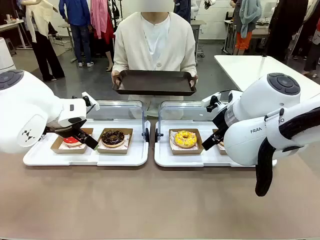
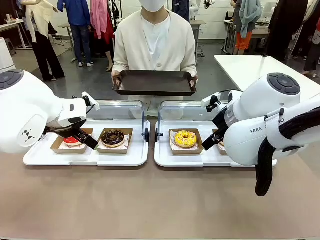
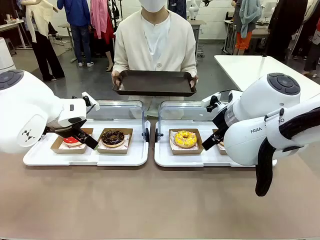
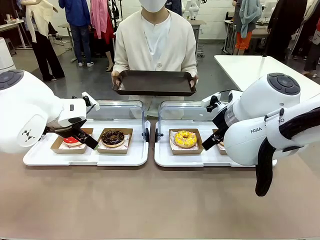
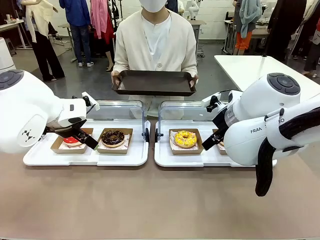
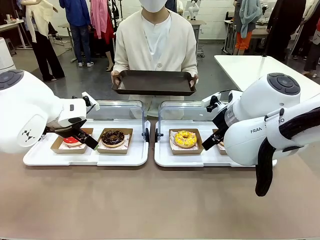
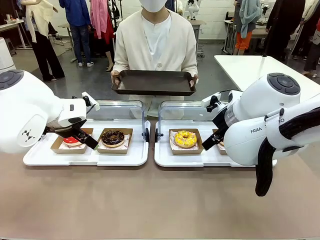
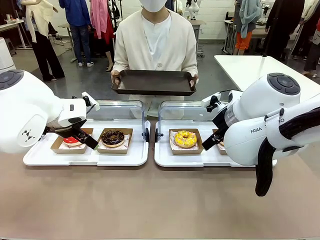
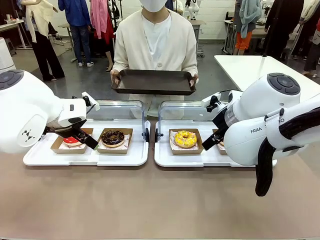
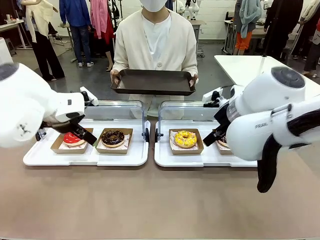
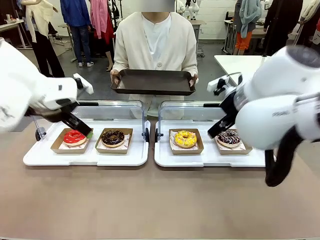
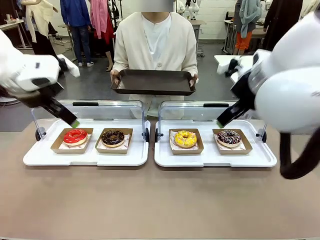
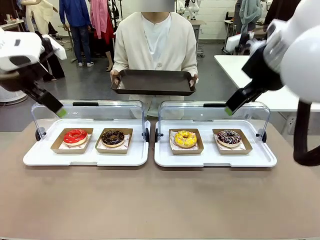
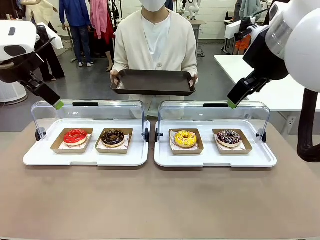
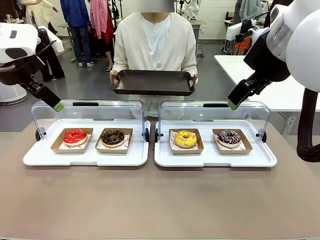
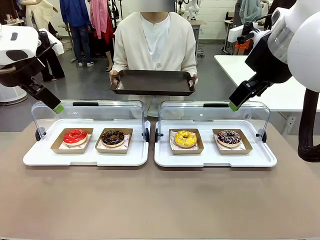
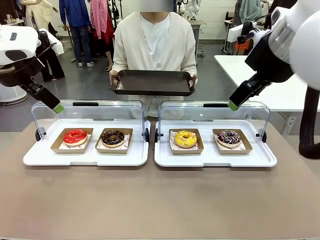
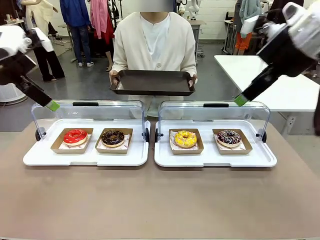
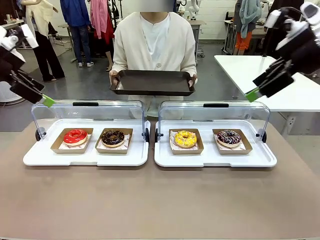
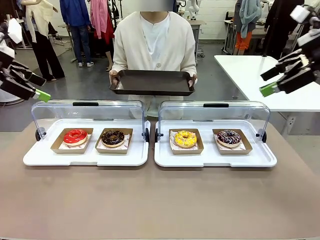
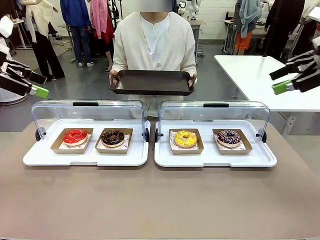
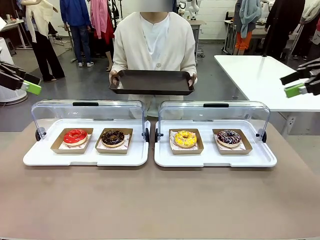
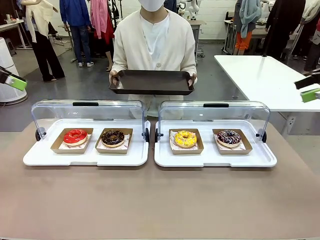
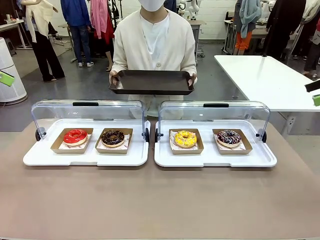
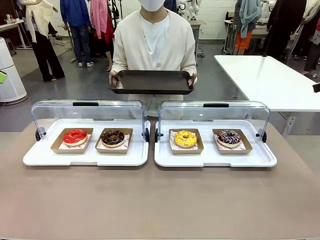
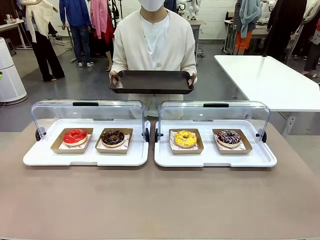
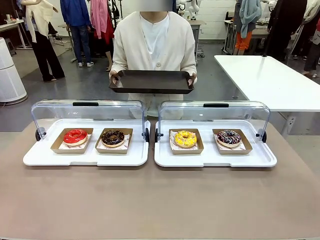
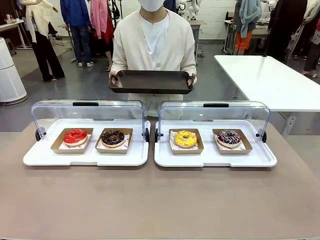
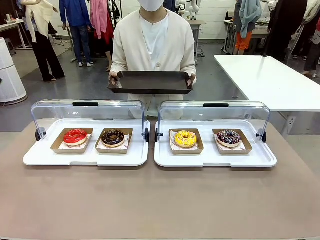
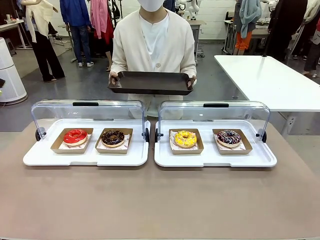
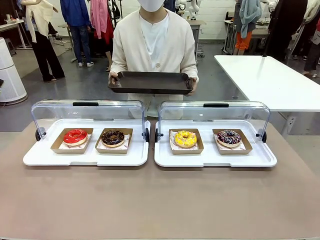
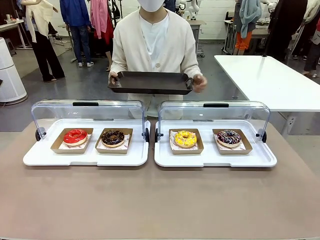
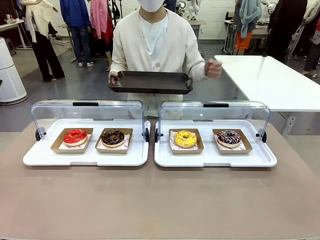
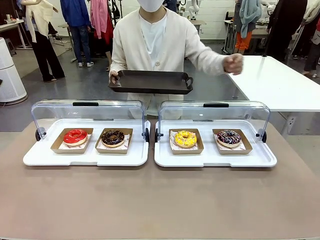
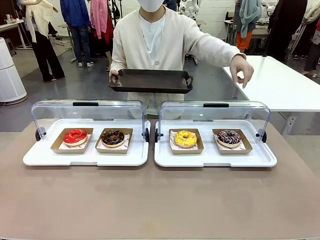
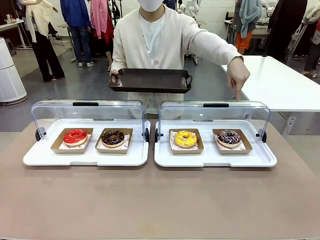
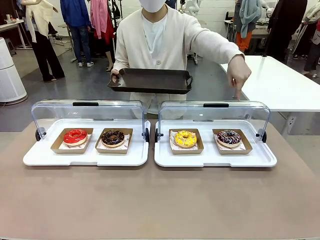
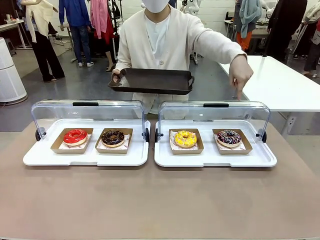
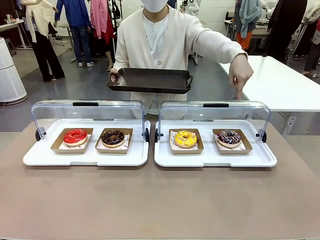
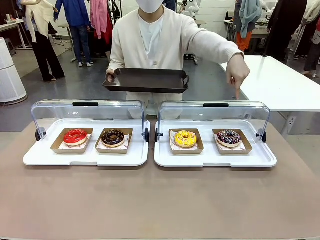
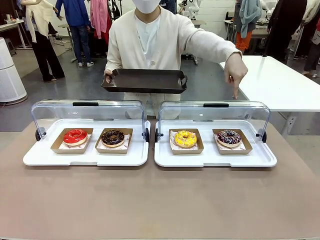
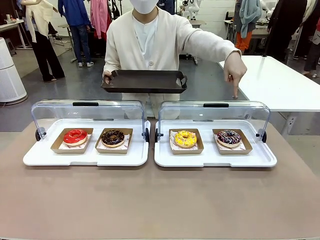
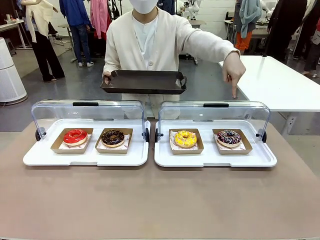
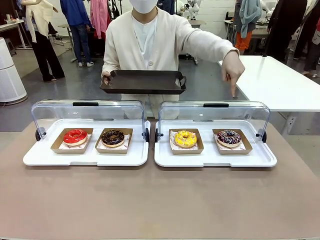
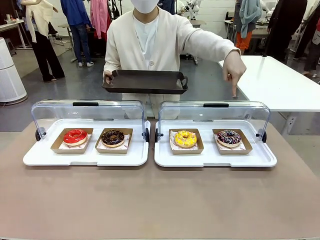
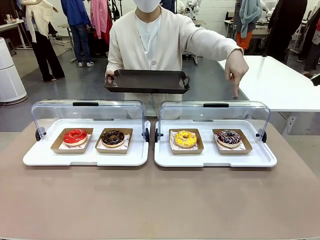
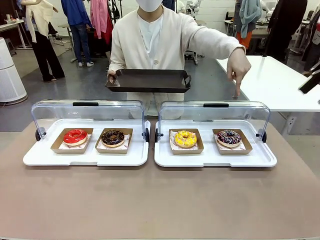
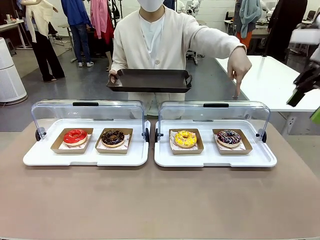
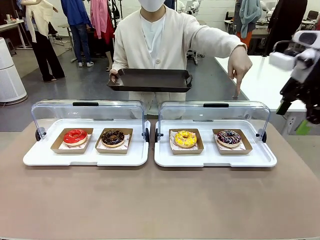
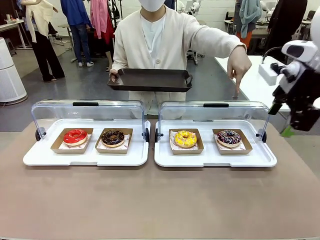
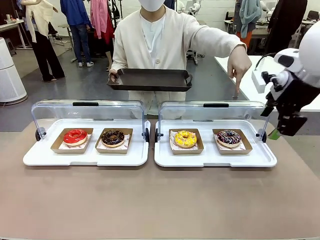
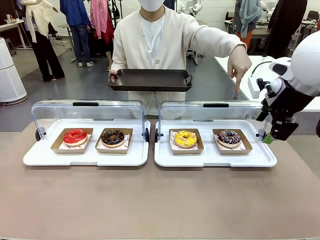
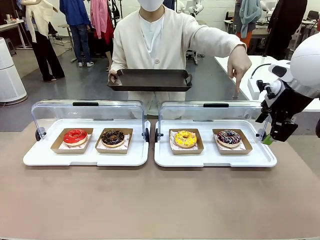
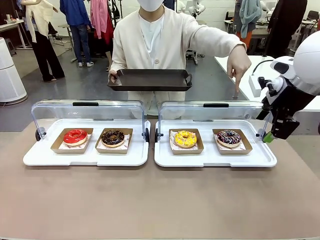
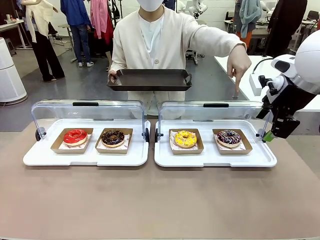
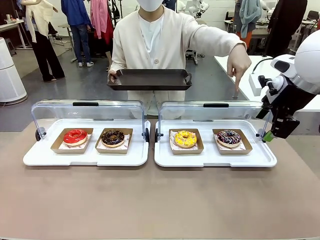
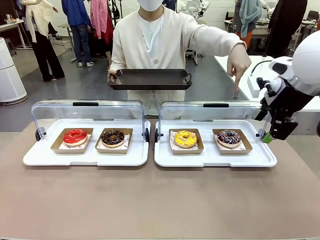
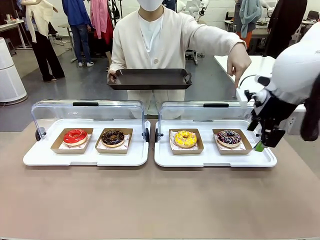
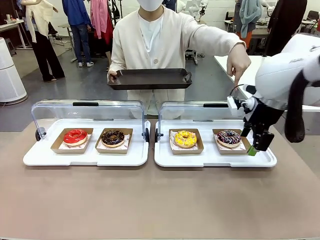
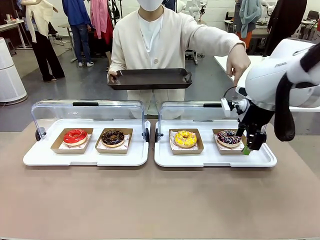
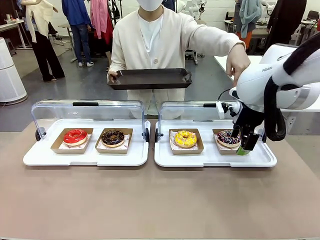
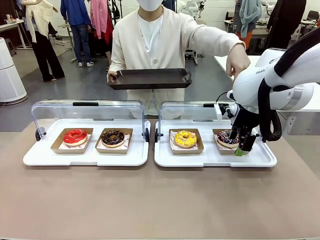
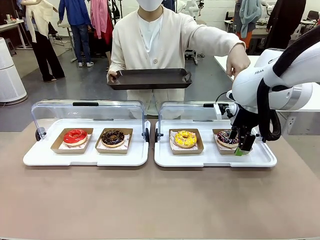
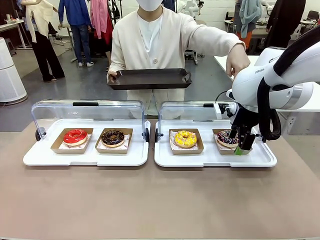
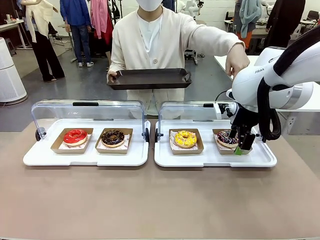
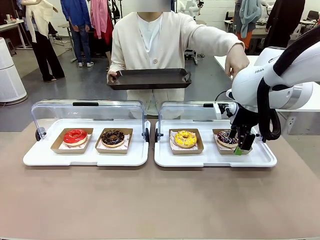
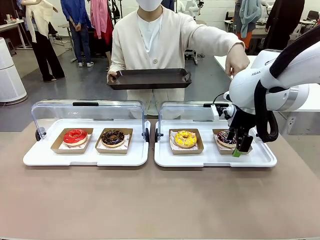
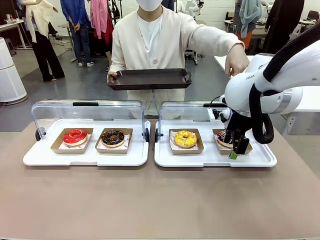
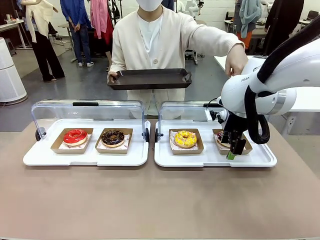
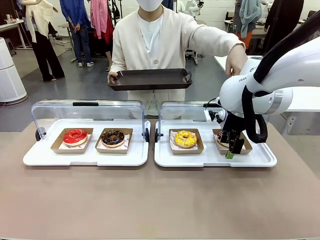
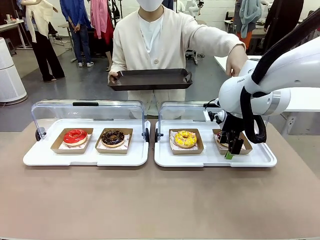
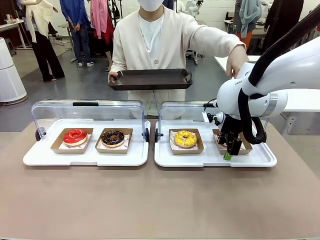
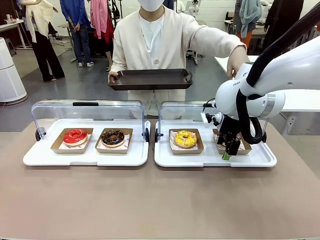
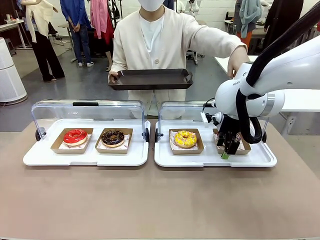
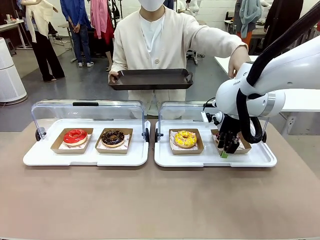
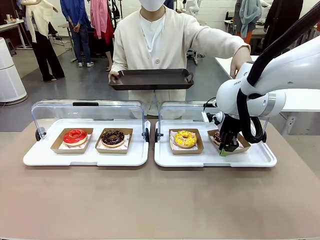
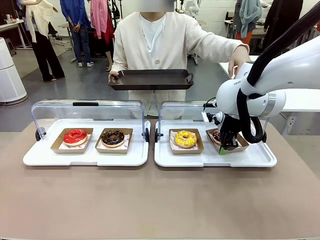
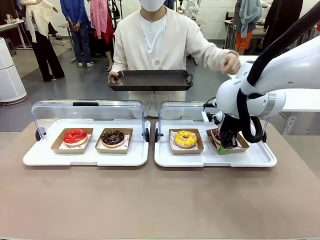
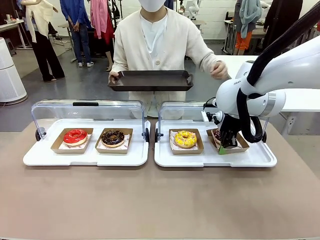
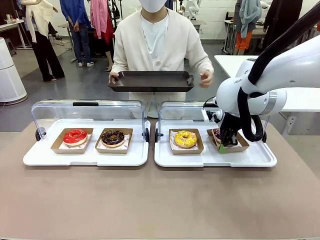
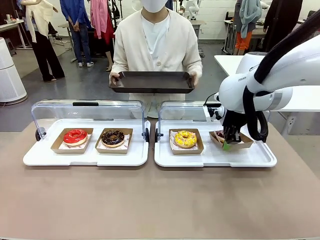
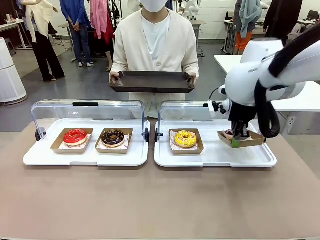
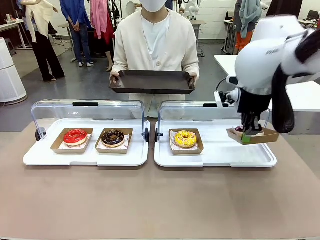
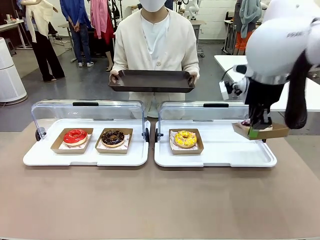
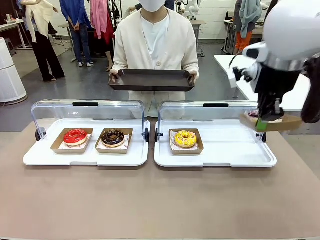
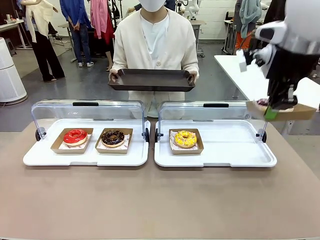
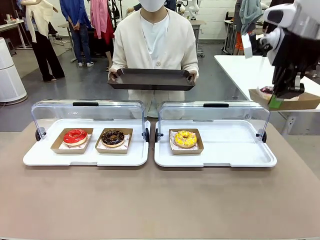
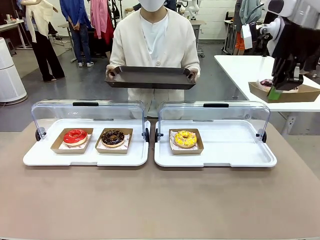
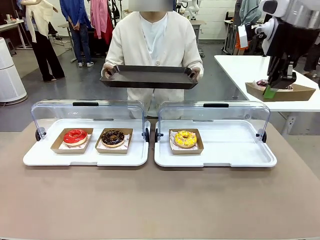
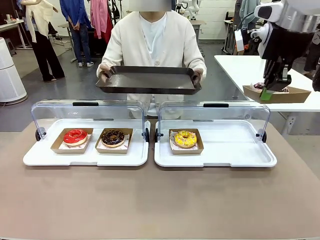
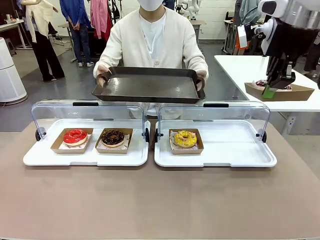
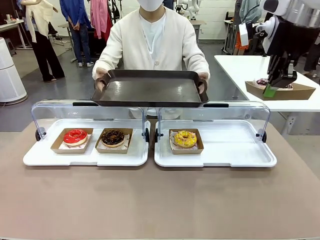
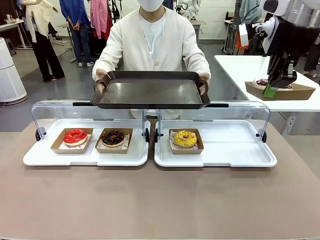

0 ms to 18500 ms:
Task: Provide the desired donut to the person.
Robot: Pick up and lift the Paper togo box containing the Donut pointed at by the person.
Person: Point to one donut. Lift the tray onto the Roll-Top Bakery Case.
